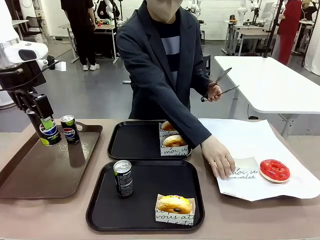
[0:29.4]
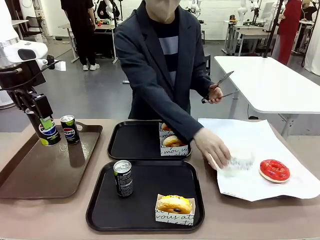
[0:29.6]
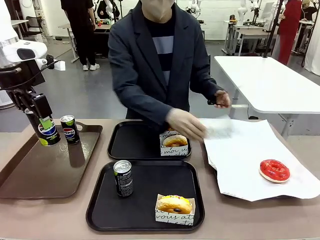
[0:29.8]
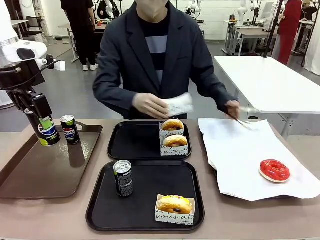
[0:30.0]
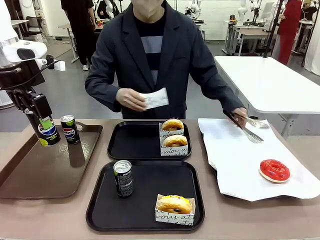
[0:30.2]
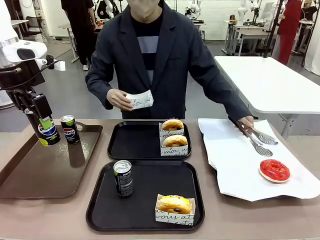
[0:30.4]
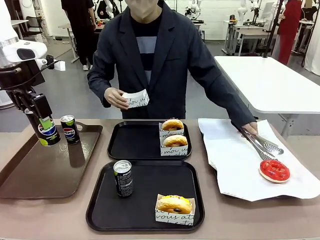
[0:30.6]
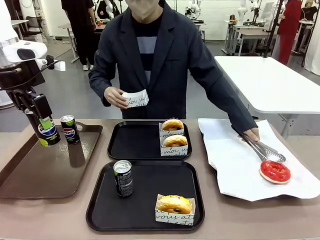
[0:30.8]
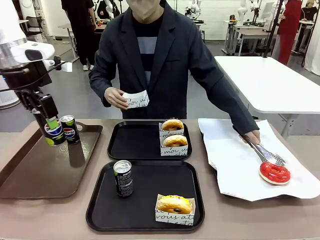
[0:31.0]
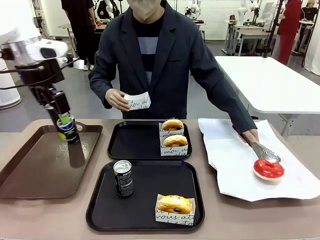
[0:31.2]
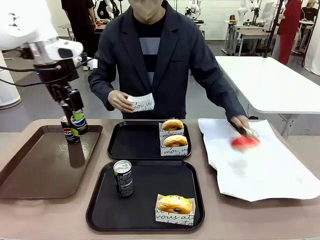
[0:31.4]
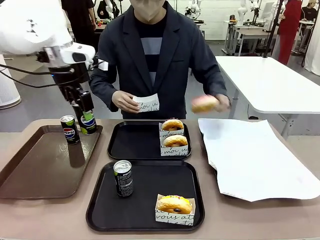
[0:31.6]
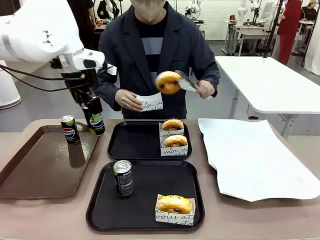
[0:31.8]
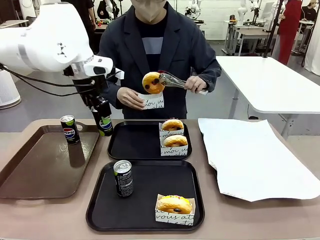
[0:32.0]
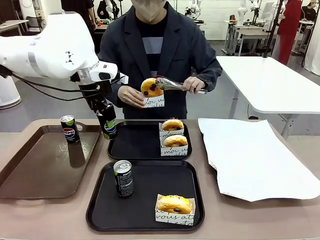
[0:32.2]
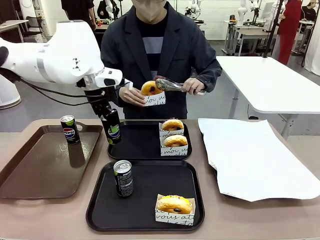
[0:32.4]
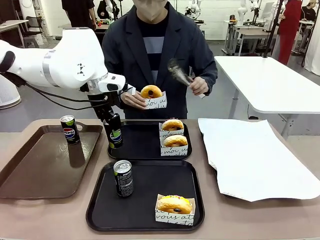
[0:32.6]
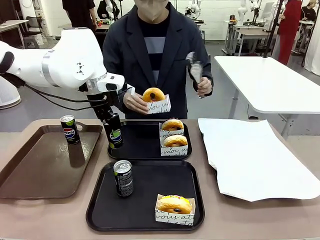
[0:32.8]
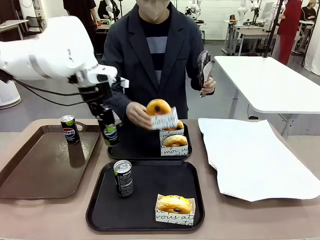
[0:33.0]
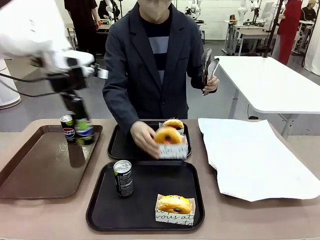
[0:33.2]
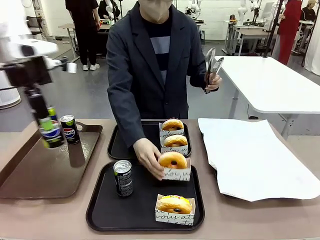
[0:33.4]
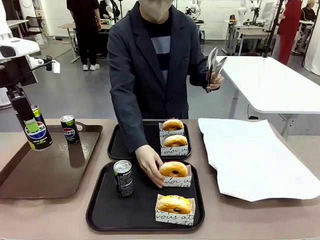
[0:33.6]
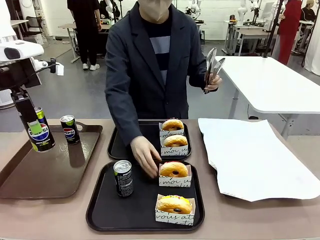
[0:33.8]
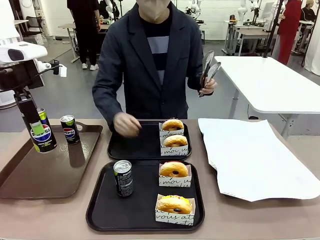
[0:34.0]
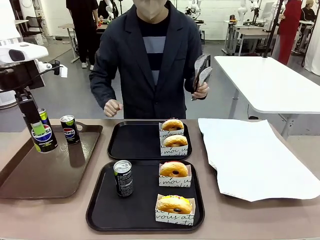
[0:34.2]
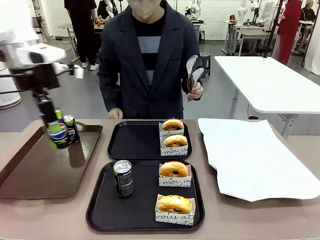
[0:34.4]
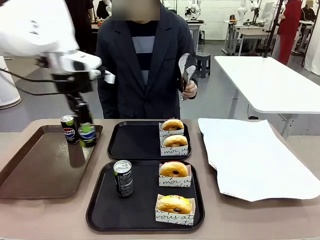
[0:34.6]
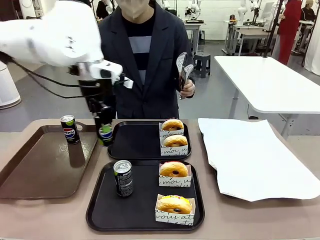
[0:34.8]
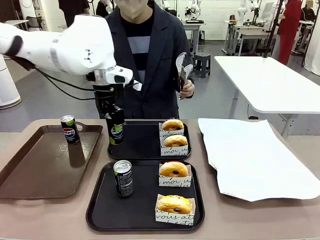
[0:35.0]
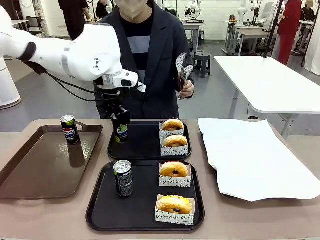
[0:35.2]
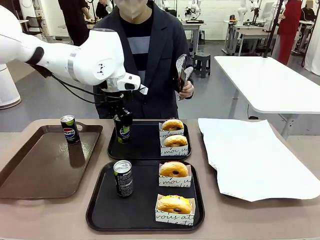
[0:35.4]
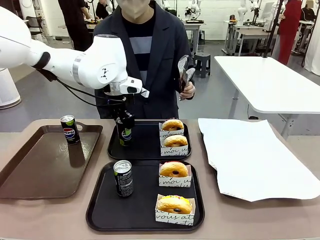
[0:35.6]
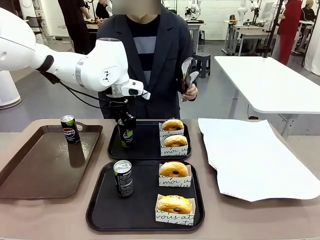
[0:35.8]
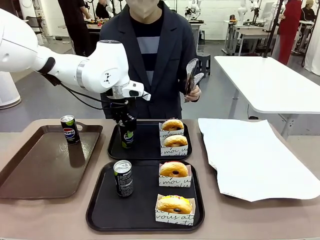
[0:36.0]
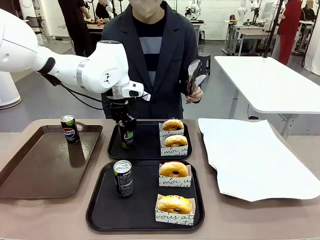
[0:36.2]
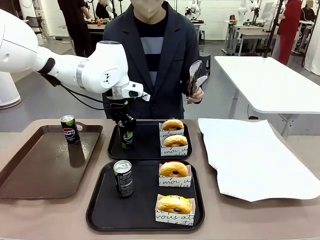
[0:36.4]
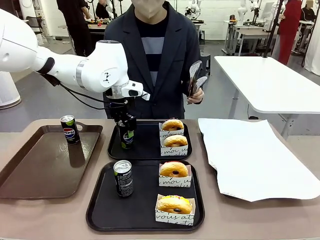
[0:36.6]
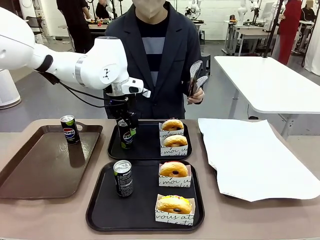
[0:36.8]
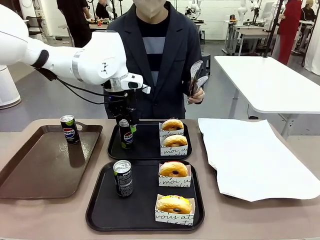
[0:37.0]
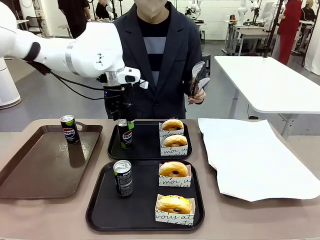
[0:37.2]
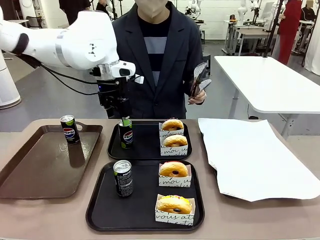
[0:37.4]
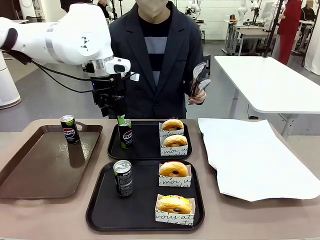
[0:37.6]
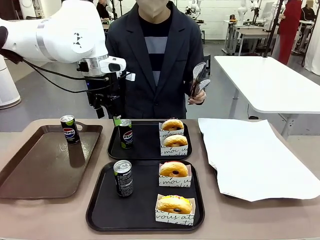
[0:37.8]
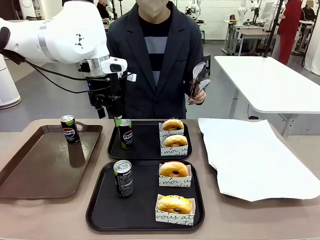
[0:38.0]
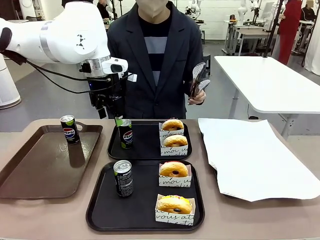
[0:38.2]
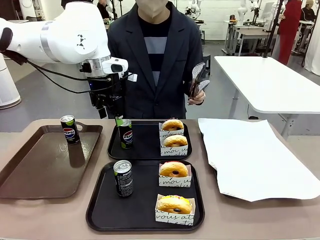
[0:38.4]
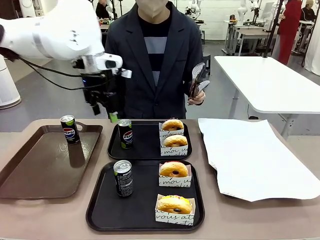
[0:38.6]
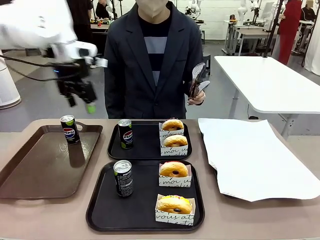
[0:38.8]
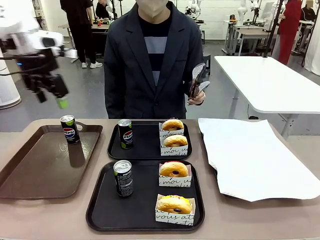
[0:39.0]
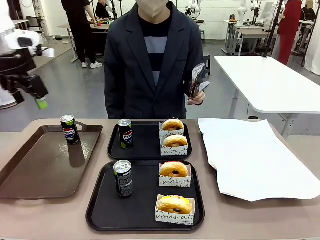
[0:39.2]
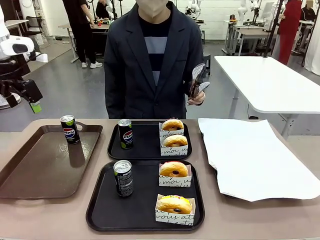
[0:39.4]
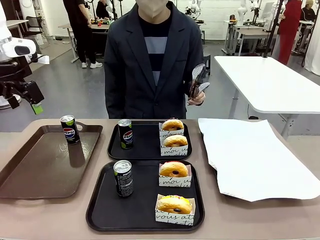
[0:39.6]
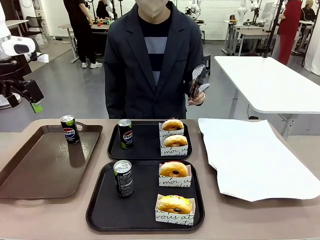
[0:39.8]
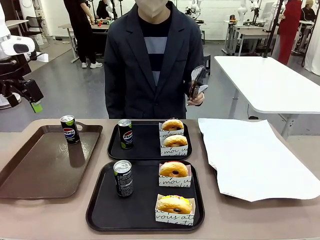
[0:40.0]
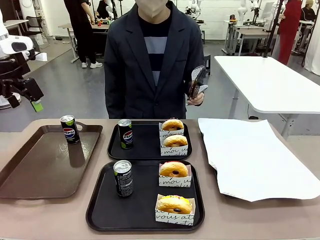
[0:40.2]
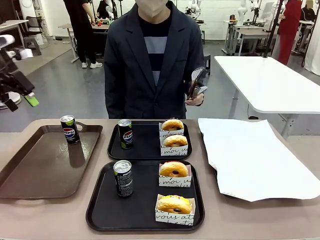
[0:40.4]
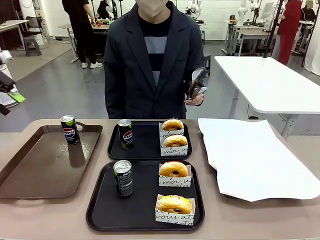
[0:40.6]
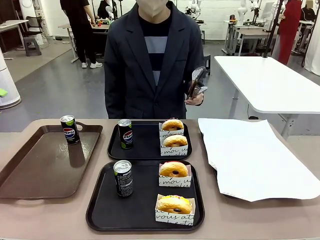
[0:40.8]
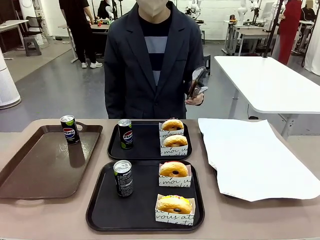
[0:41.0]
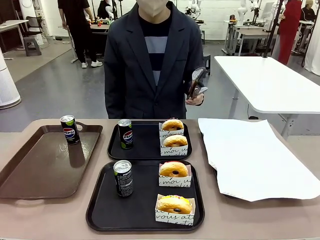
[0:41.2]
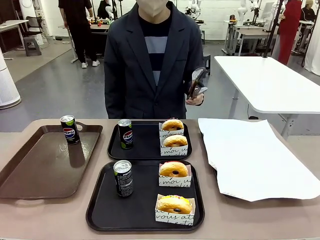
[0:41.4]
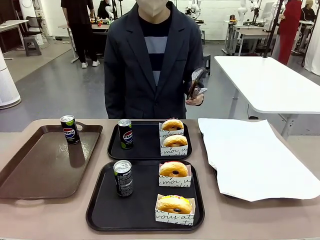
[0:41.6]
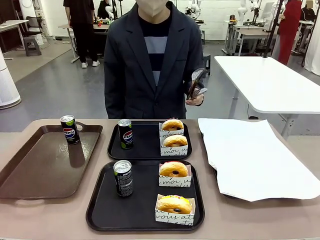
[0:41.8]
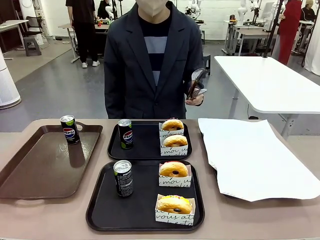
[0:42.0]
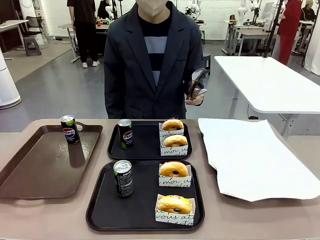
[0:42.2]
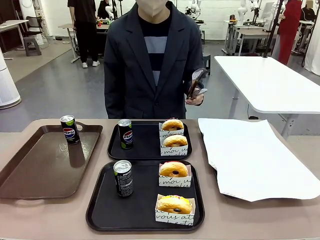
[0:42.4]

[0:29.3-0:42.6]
Task: Set up donuts and drinks on trays.
Robot: Pick up one Pepsi coke from the Handle tray and place it on the Flat Tray without a Pepsi coke.

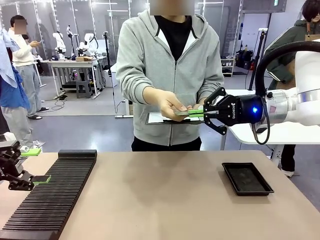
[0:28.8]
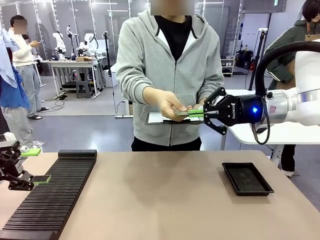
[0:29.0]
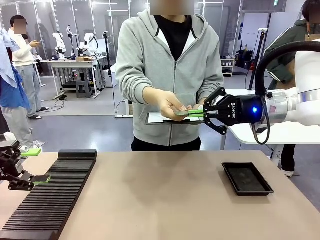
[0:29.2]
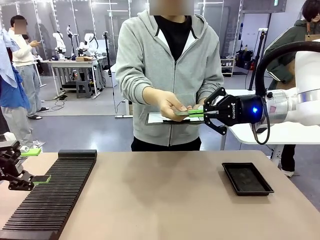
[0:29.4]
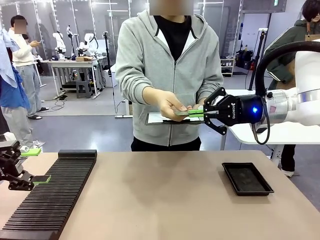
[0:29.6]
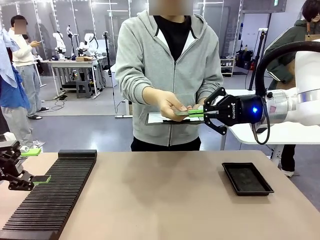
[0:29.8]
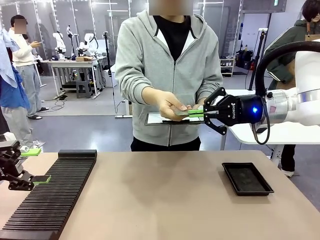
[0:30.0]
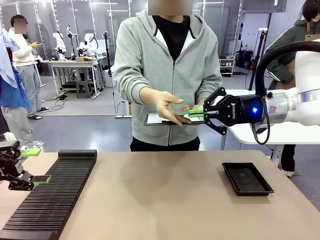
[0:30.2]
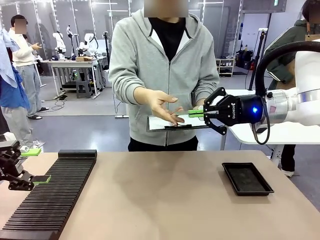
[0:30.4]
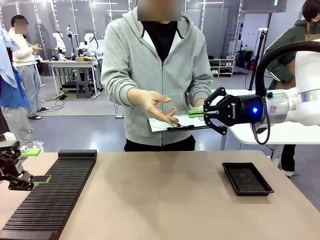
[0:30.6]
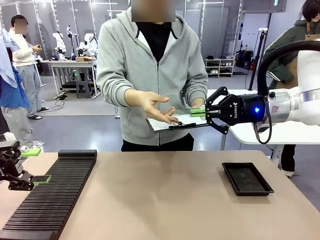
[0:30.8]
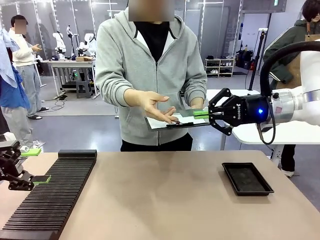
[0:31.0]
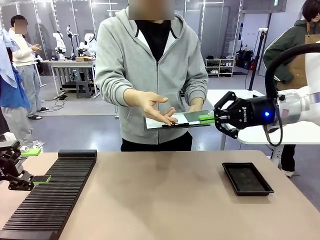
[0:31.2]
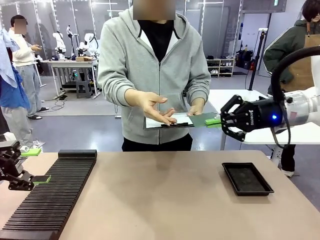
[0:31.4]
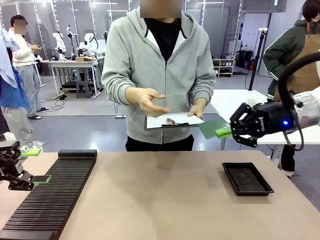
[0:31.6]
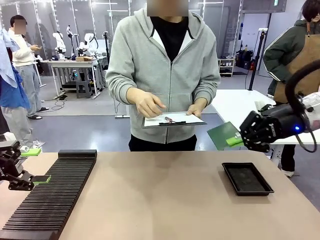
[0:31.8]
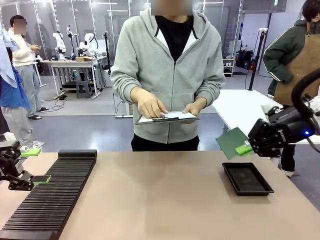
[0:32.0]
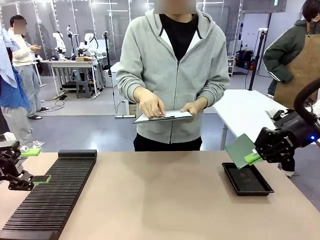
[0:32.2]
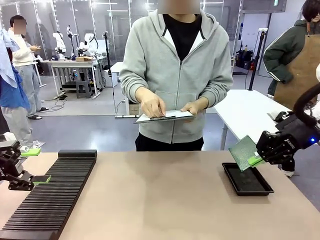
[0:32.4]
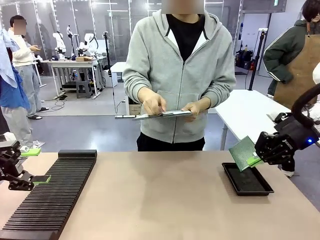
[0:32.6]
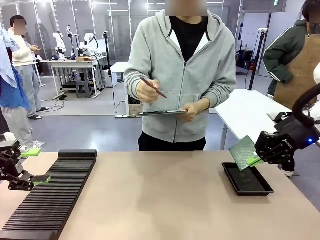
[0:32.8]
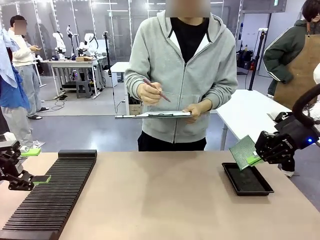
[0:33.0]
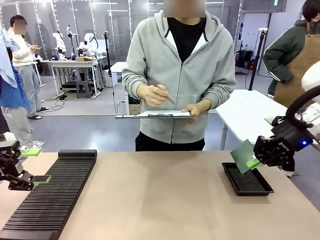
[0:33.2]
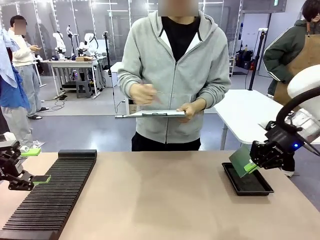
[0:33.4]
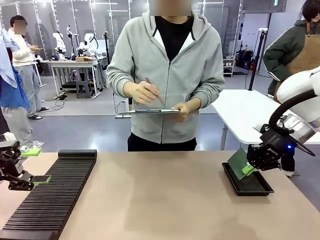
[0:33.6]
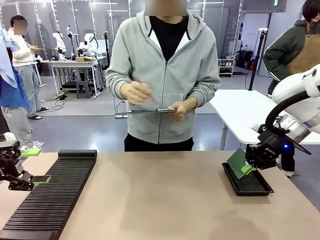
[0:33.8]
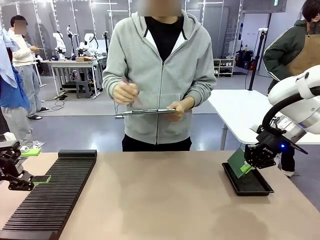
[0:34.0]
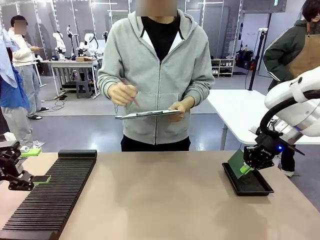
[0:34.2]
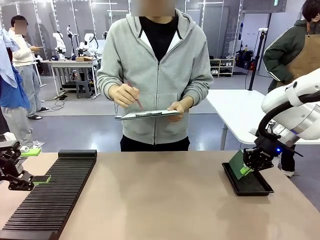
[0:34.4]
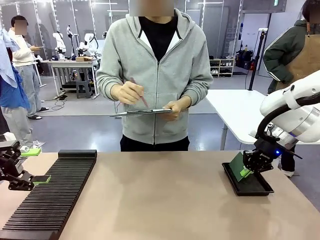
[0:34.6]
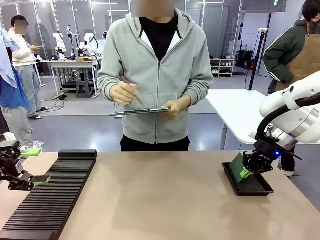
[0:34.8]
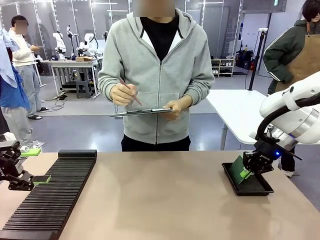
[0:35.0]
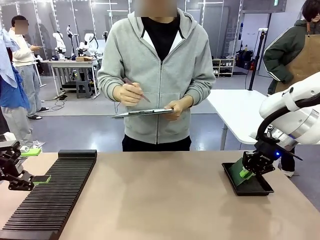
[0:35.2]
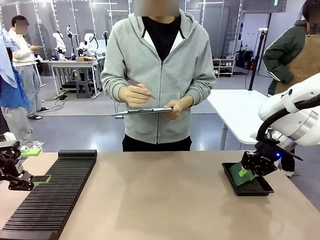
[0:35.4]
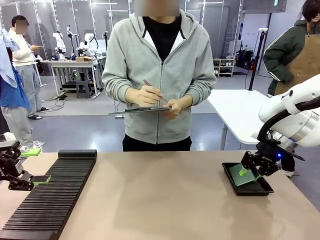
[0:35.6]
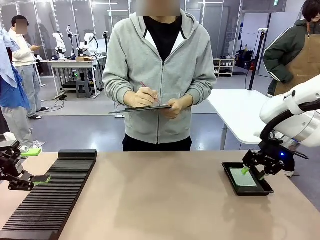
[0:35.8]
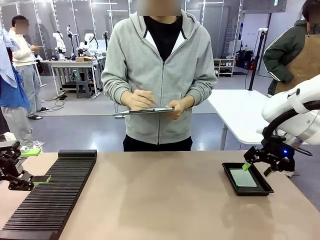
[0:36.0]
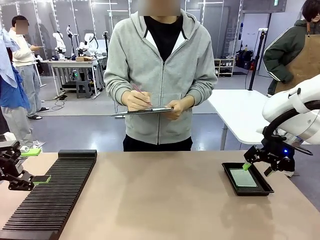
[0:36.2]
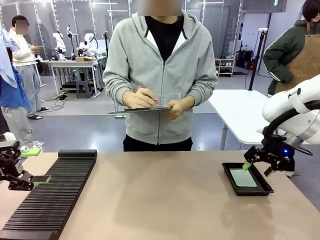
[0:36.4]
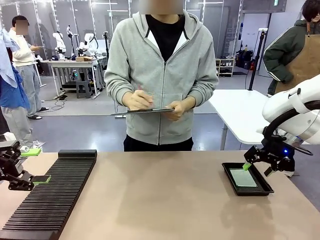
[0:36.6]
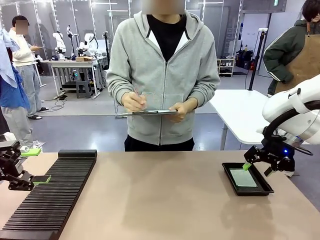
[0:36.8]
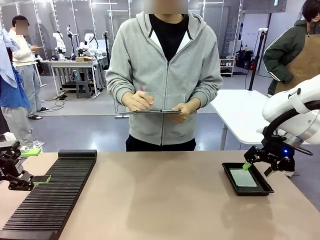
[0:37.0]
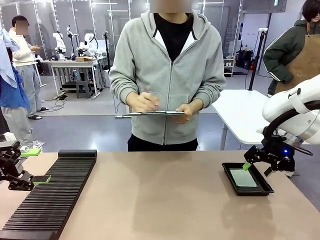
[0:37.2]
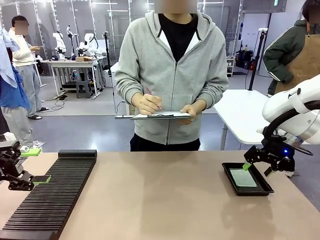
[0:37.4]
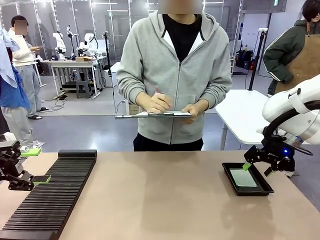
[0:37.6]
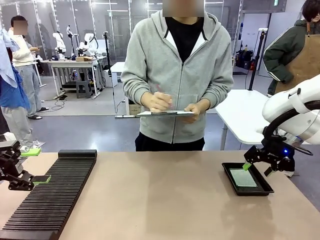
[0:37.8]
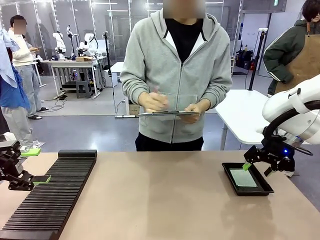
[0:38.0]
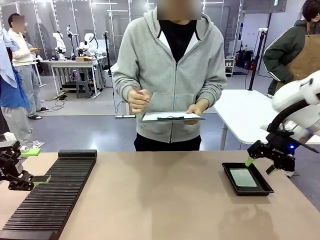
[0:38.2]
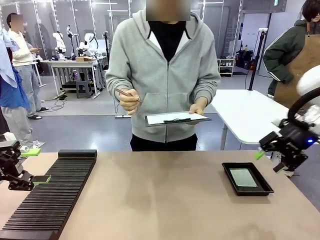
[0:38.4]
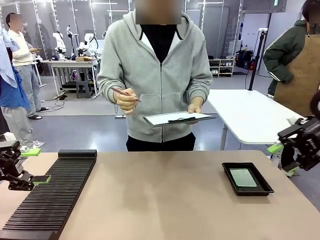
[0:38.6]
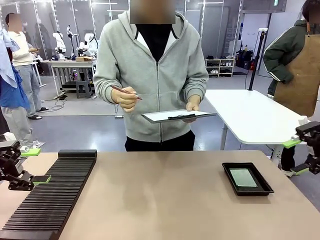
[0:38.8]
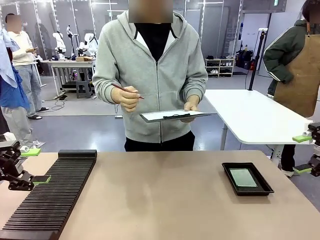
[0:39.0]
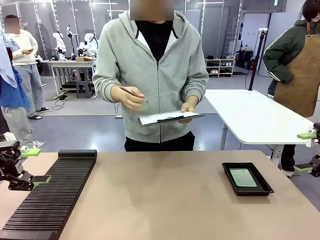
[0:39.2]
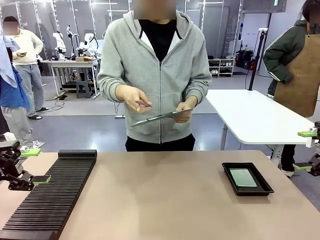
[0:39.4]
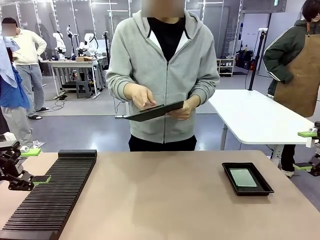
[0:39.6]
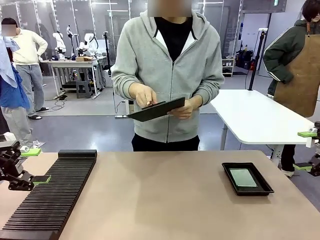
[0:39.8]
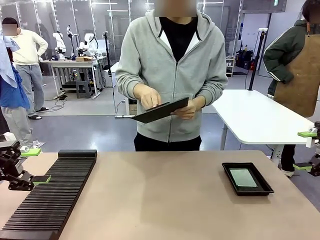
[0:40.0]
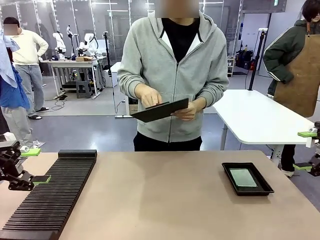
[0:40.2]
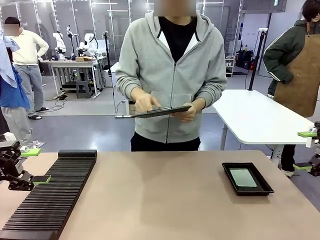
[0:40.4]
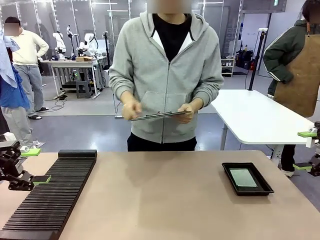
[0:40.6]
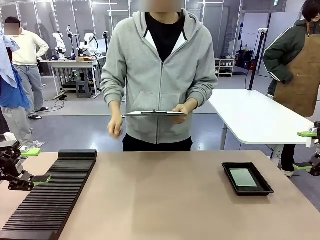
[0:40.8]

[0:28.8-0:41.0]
Task: Inspect the PCB.
Robot: Place the Blank PCB in the ESD tray.
Person: Record the PCB status on the paper.
